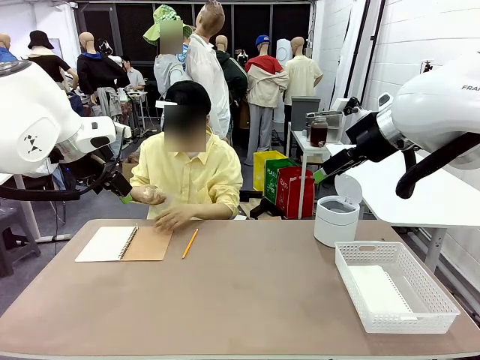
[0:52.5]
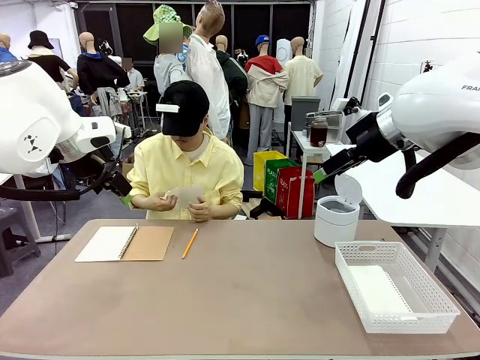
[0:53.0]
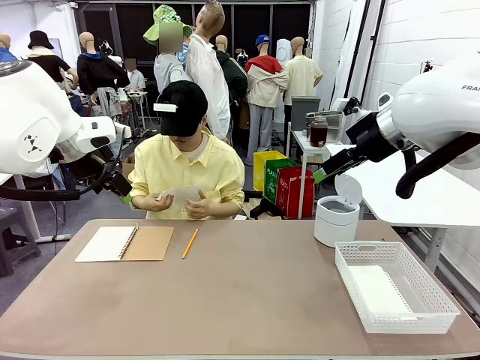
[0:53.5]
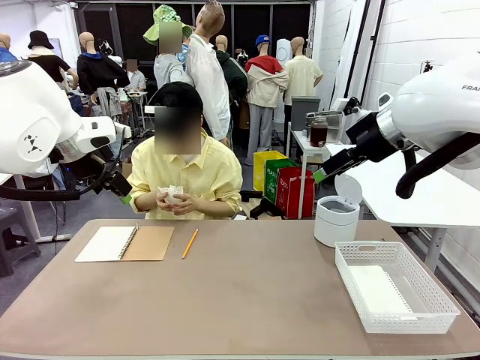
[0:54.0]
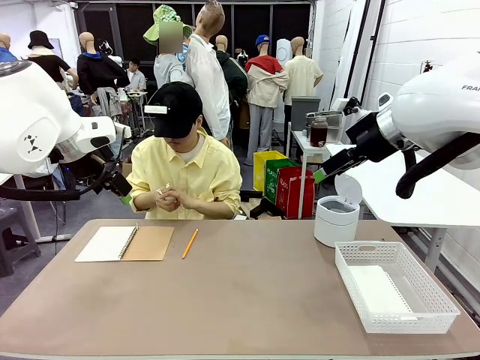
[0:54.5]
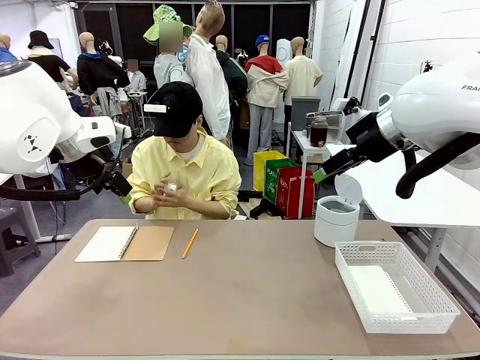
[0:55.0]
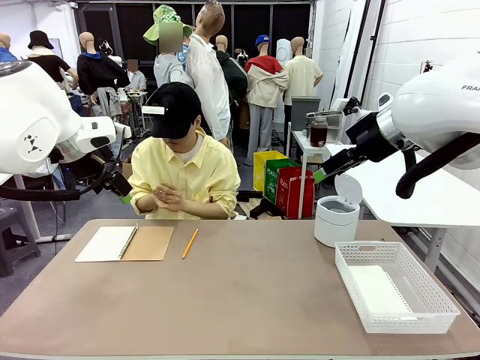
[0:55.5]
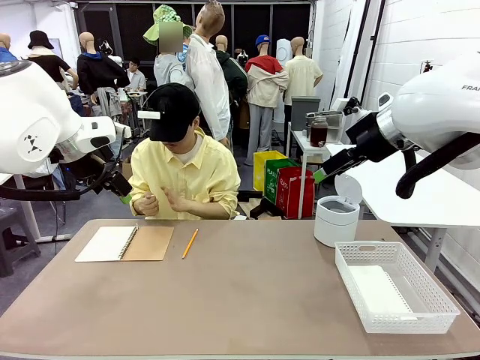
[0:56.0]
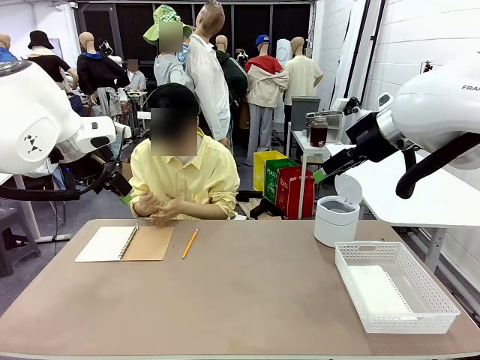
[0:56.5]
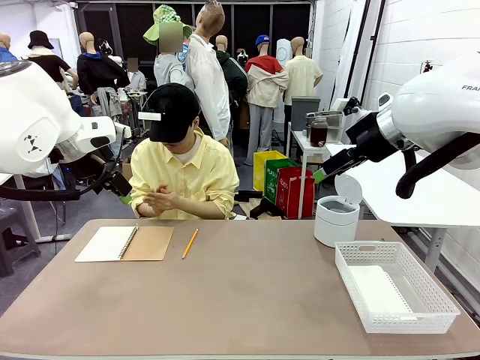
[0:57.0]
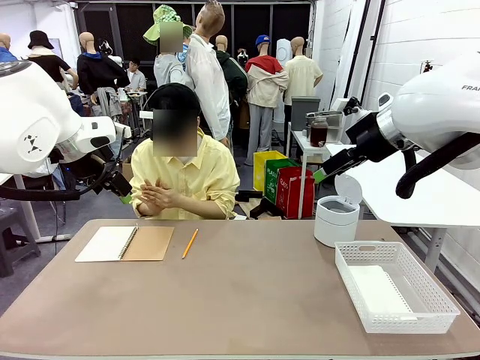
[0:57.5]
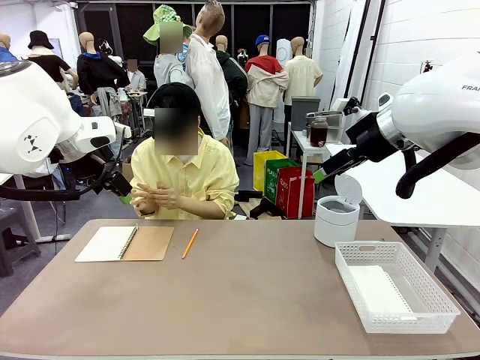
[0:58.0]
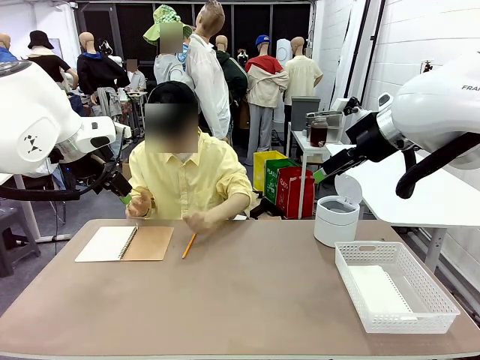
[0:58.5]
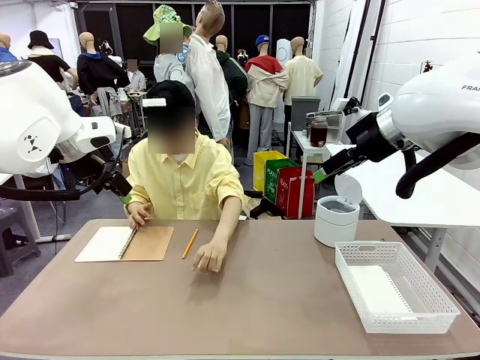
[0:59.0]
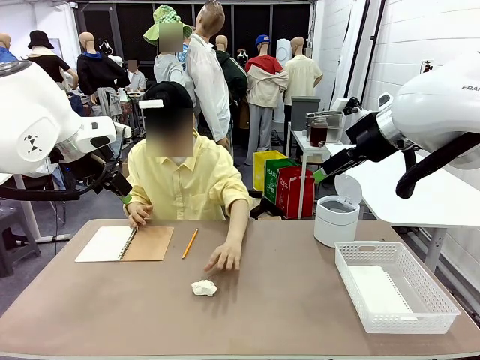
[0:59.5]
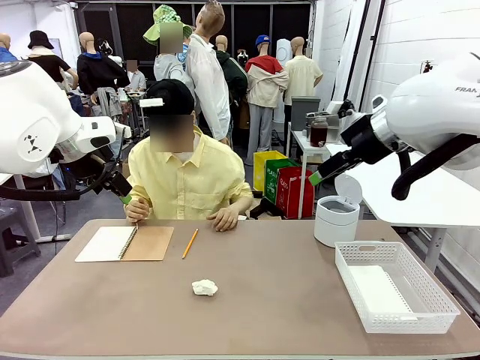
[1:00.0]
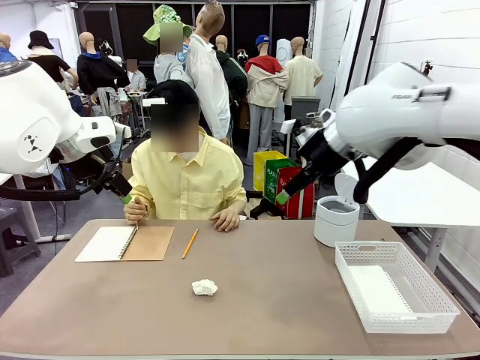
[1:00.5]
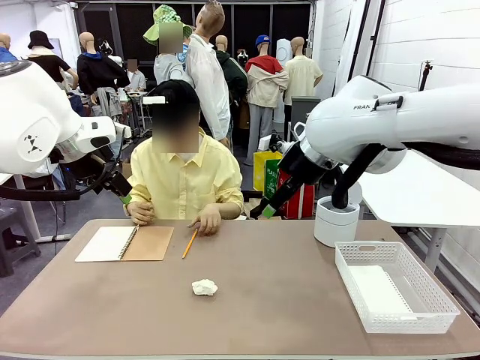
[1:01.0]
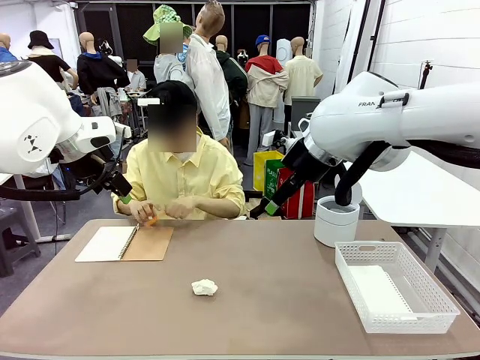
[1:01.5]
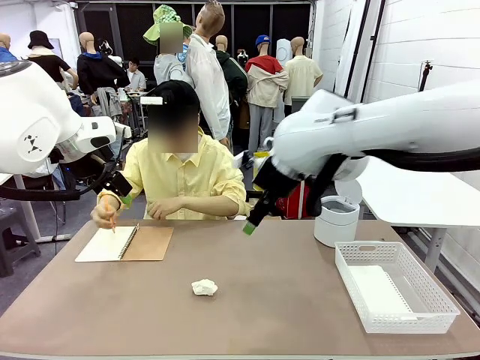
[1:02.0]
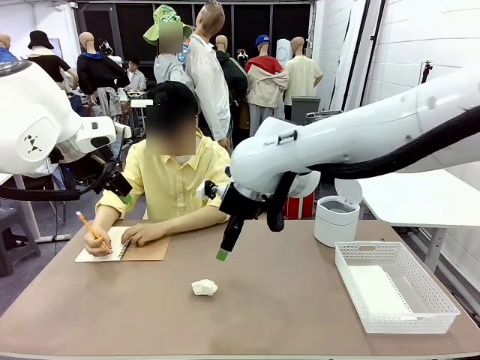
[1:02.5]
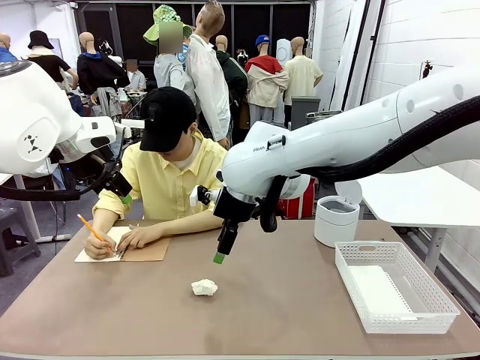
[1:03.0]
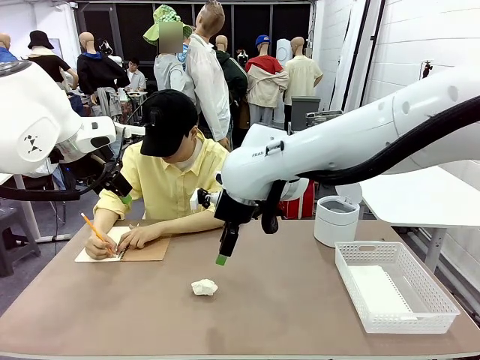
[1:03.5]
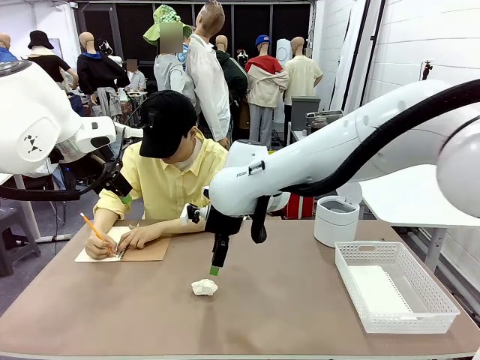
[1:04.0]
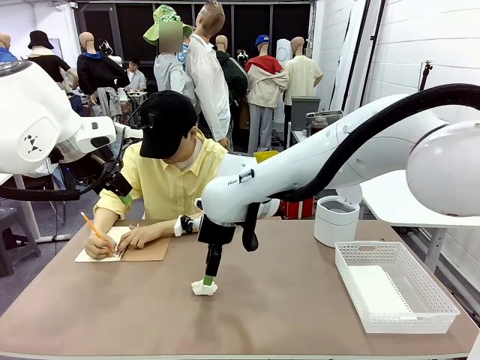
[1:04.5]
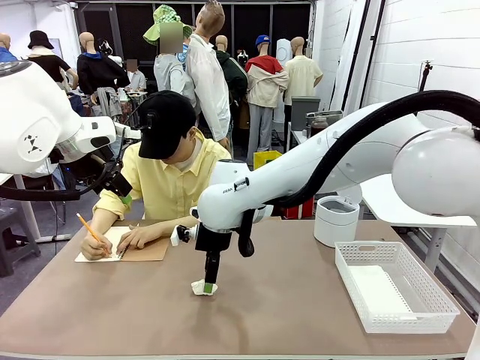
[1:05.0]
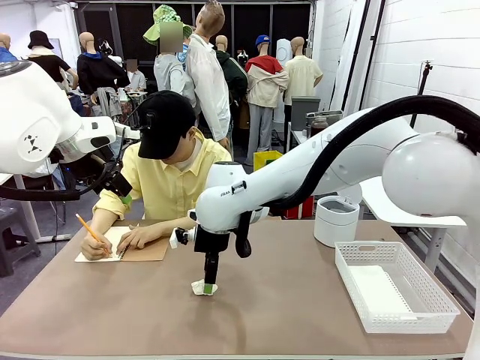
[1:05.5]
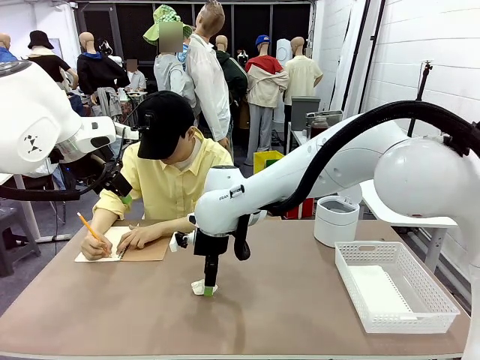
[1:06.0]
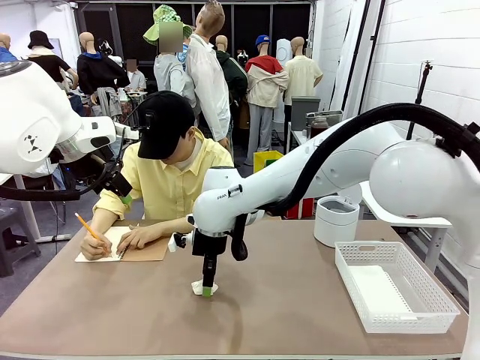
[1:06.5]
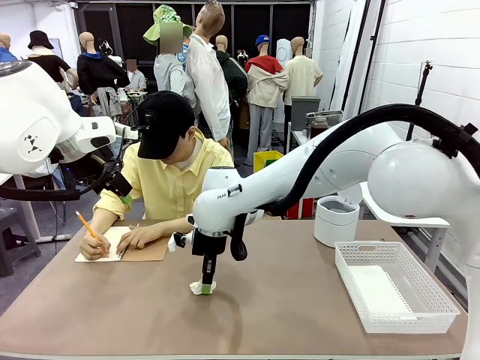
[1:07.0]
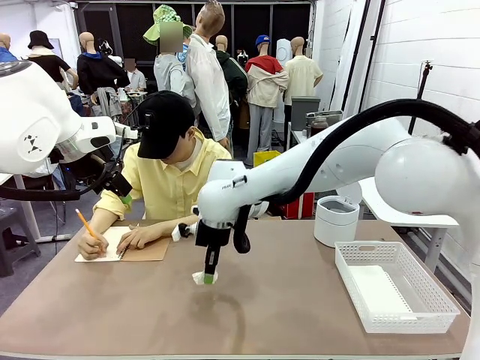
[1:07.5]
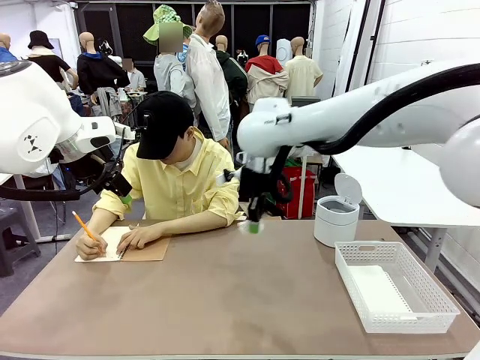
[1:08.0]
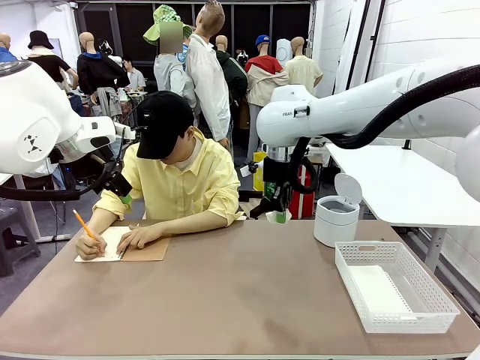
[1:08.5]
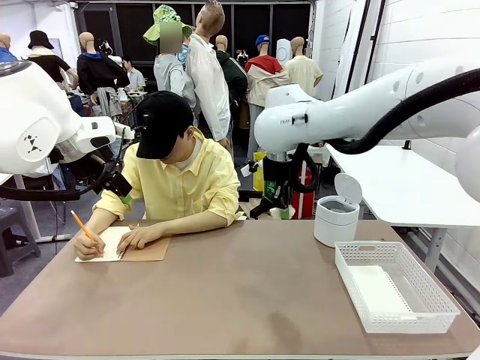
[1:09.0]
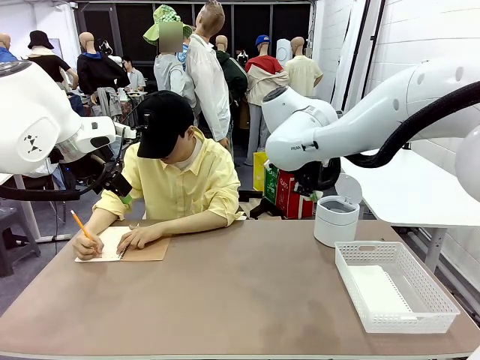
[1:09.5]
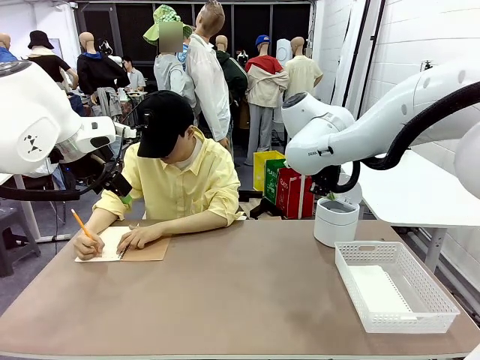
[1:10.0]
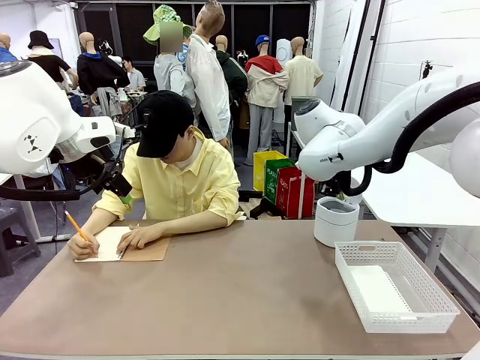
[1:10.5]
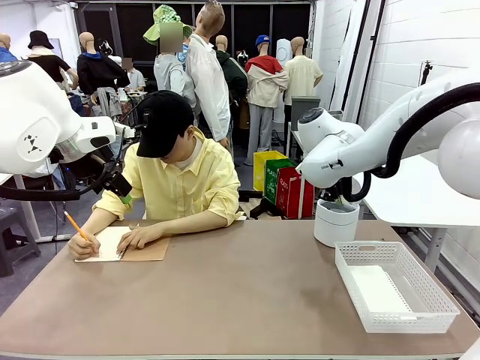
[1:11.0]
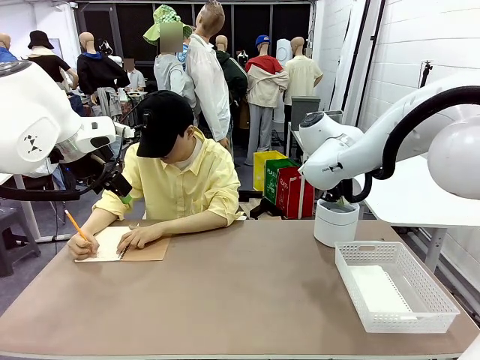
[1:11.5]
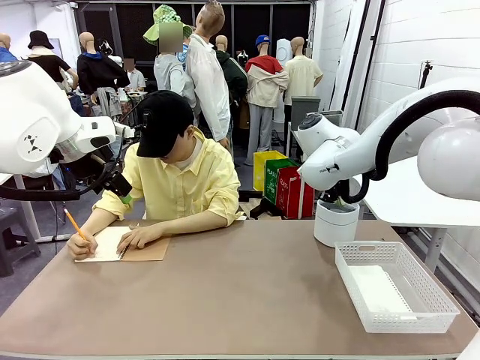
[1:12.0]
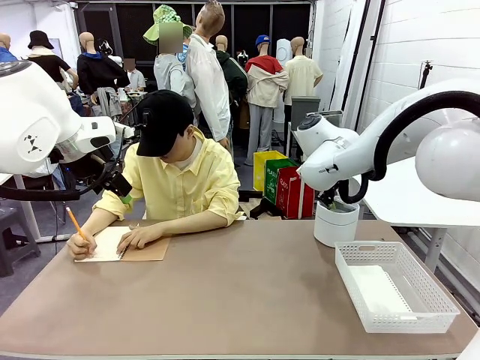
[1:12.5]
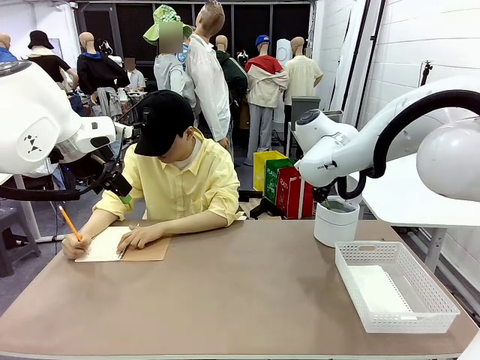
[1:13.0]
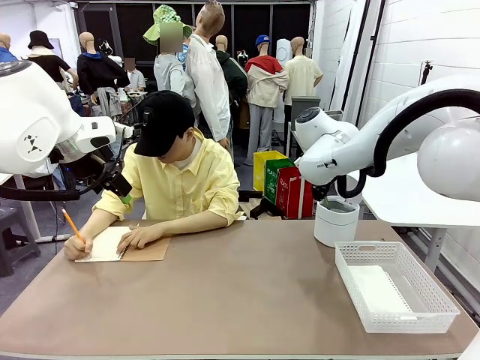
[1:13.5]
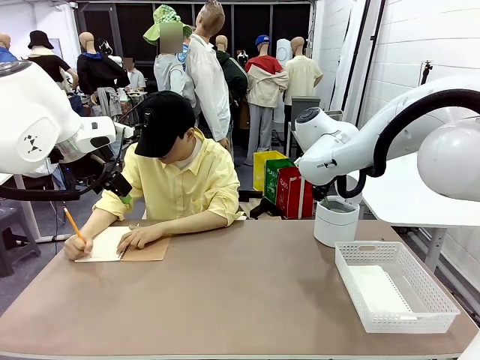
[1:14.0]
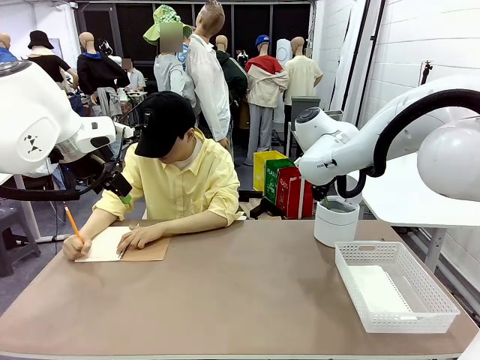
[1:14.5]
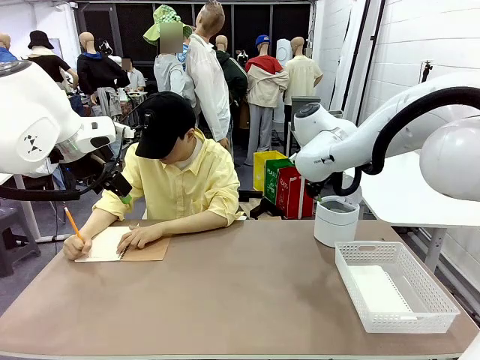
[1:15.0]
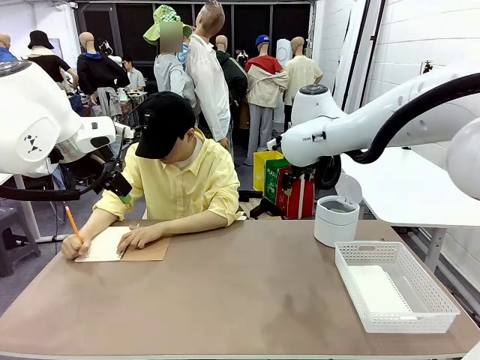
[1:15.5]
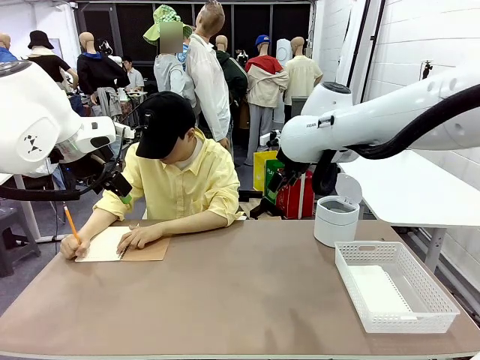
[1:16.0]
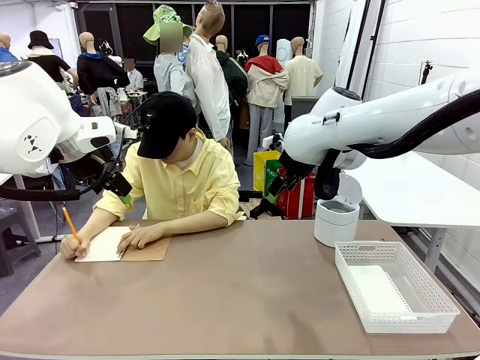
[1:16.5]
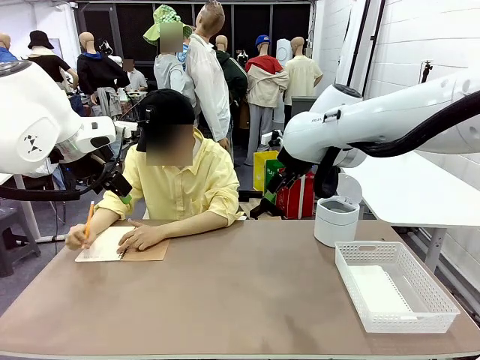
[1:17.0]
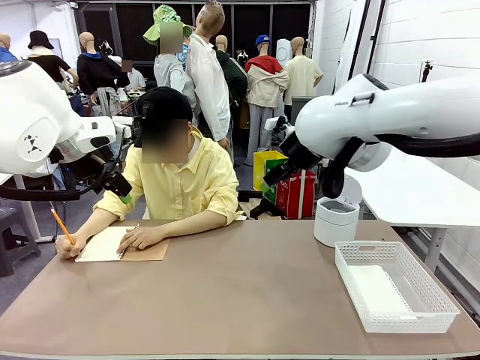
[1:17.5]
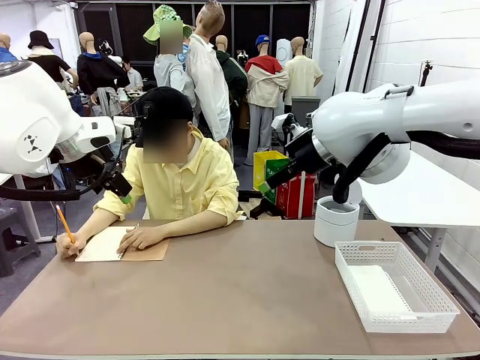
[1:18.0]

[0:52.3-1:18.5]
Task: Sort the paper based on its condition.
Robot: If a person hands you a paper, place it in the Organizing basket , and if it's crumpled, put it in the Trash can.
Person: Hand the torn page to the robot or crumple it and throw it to the center of the table. Tear out a page from the spiral notebook.
